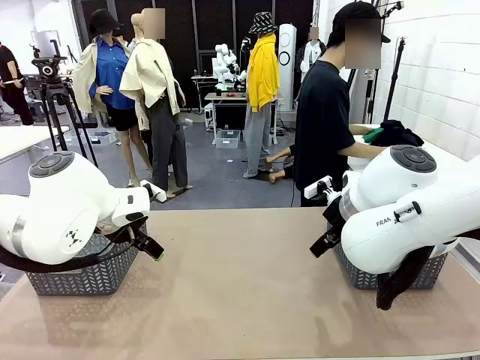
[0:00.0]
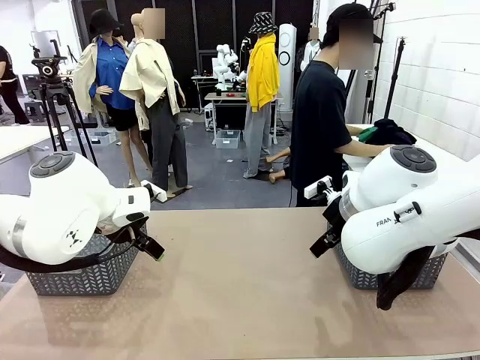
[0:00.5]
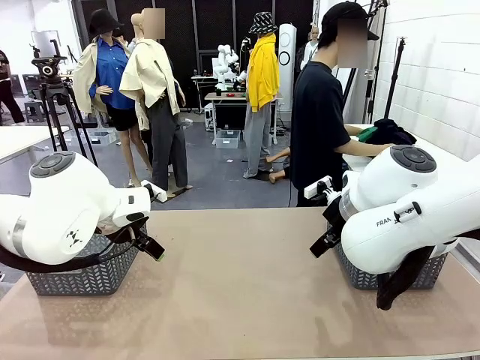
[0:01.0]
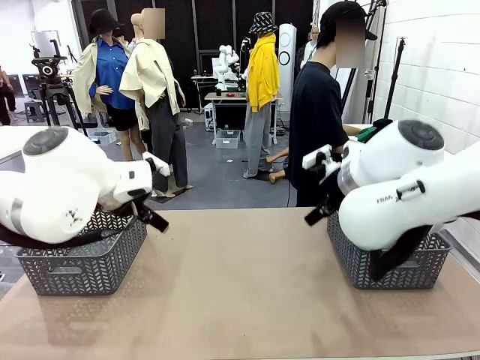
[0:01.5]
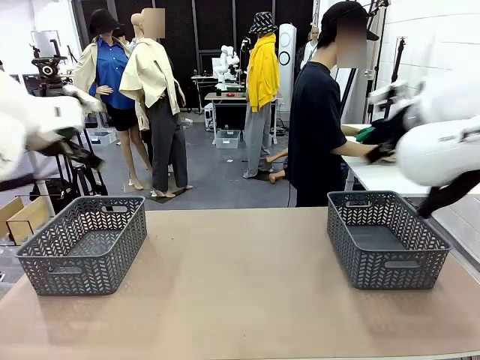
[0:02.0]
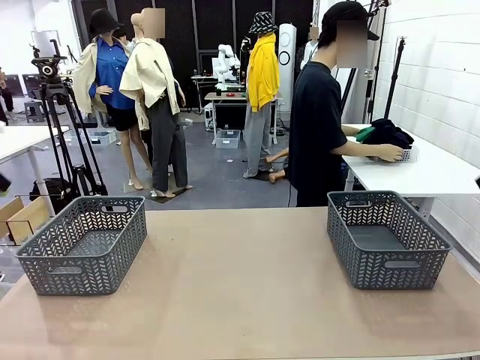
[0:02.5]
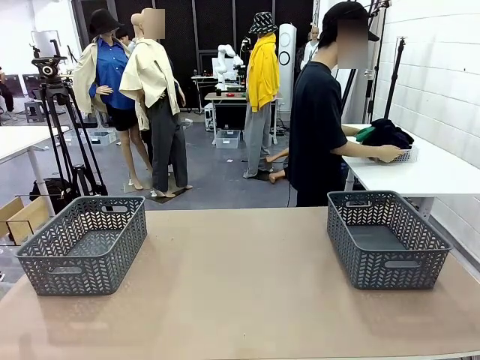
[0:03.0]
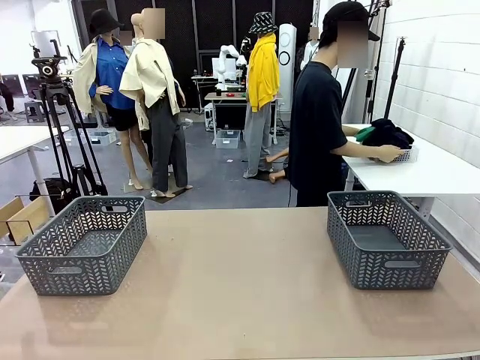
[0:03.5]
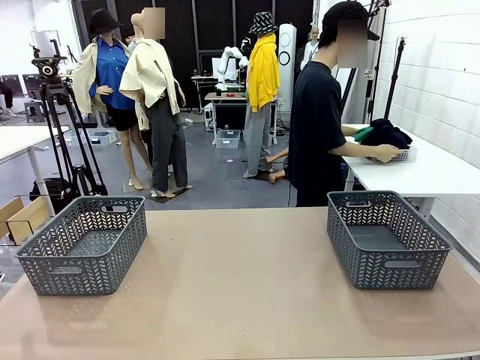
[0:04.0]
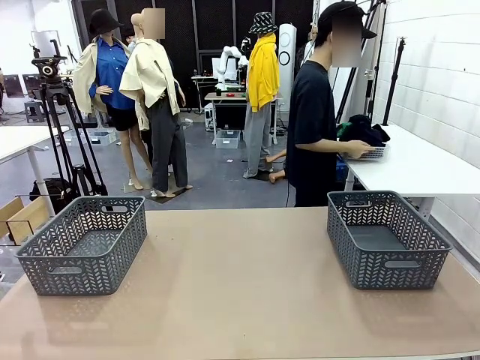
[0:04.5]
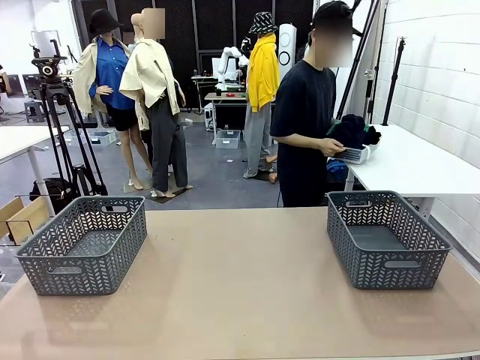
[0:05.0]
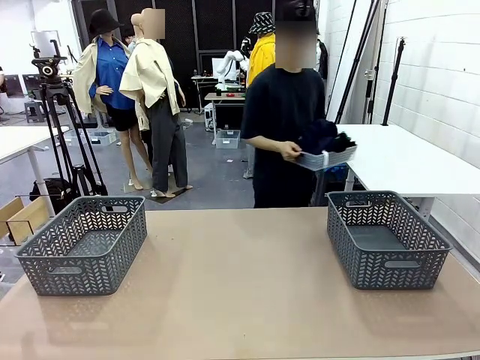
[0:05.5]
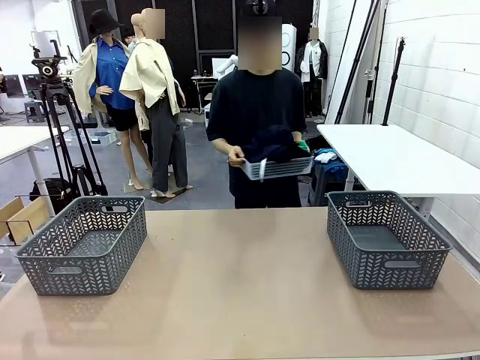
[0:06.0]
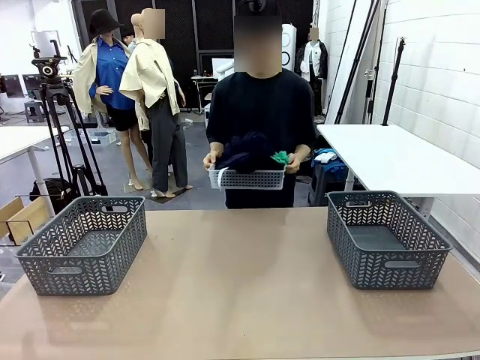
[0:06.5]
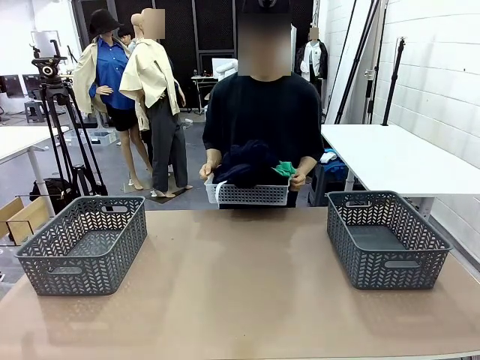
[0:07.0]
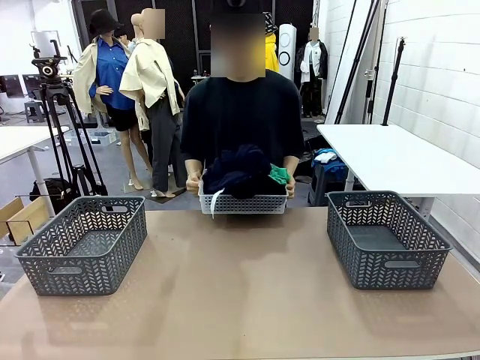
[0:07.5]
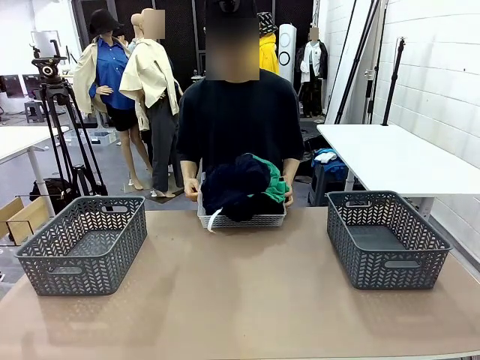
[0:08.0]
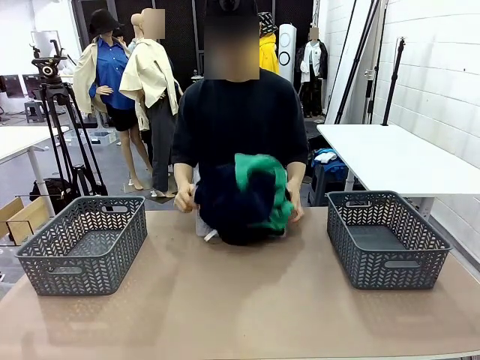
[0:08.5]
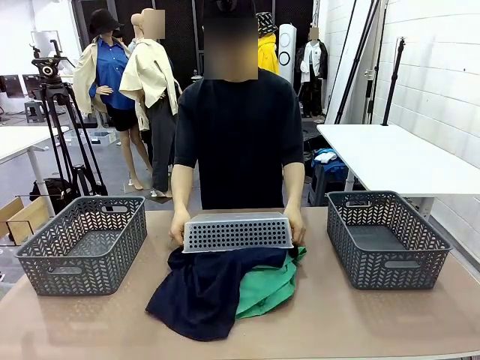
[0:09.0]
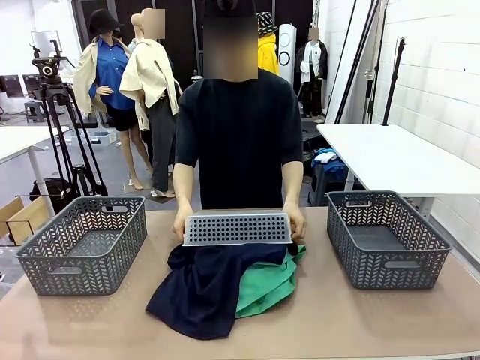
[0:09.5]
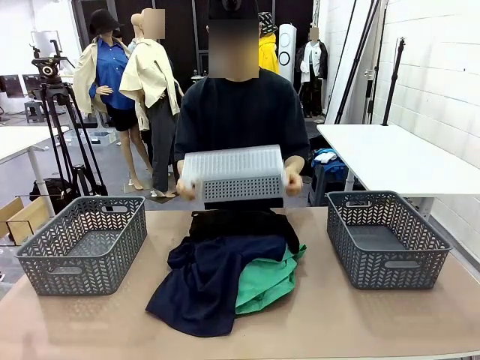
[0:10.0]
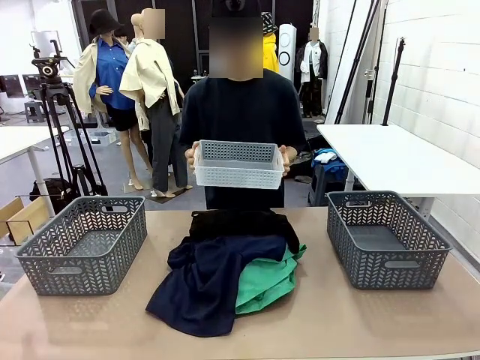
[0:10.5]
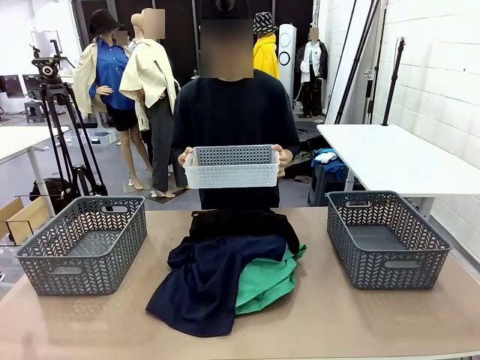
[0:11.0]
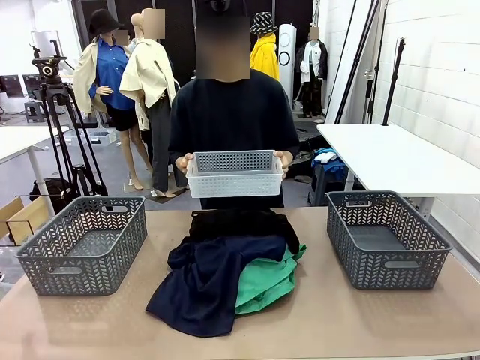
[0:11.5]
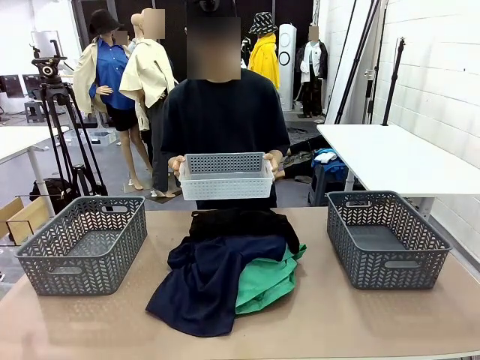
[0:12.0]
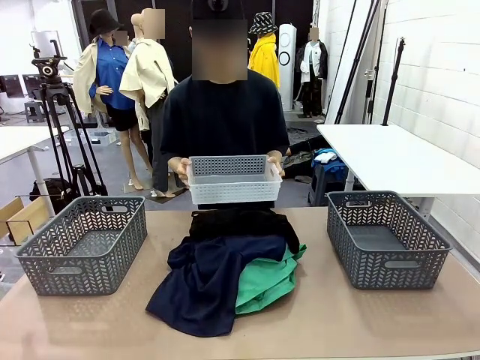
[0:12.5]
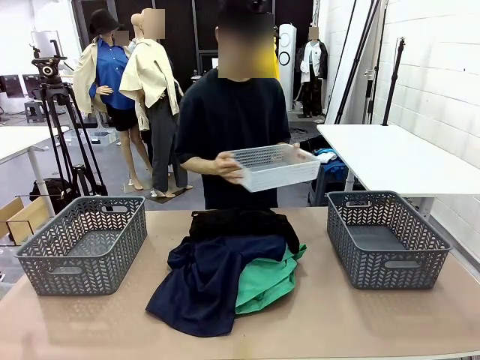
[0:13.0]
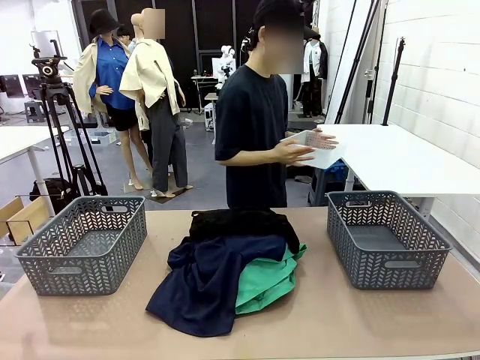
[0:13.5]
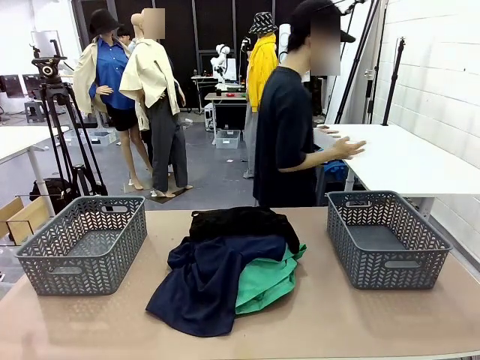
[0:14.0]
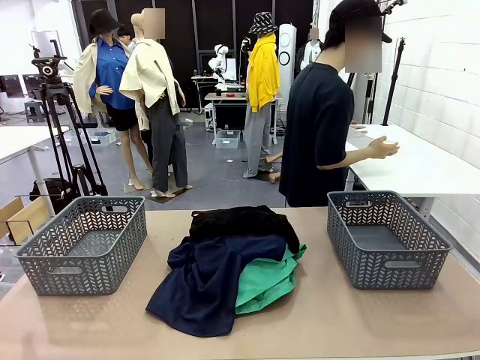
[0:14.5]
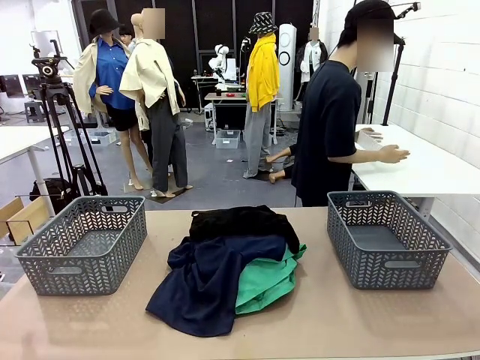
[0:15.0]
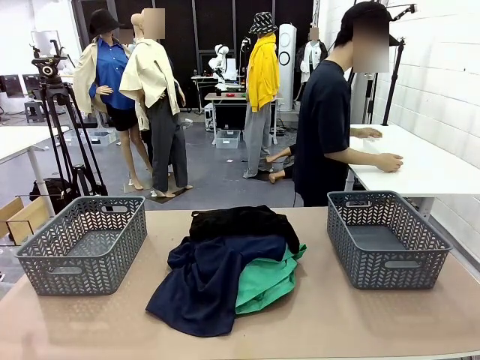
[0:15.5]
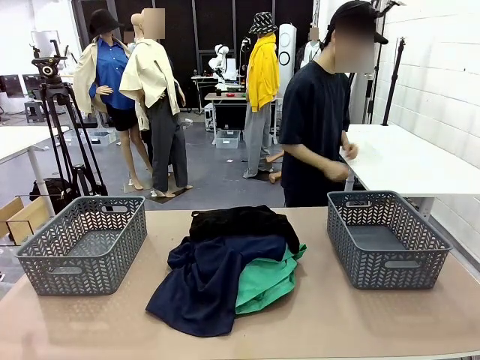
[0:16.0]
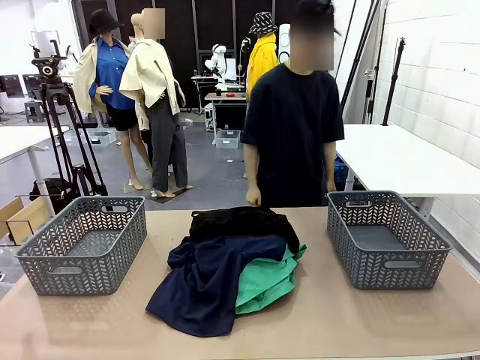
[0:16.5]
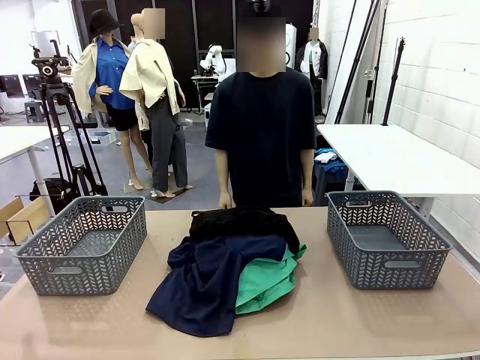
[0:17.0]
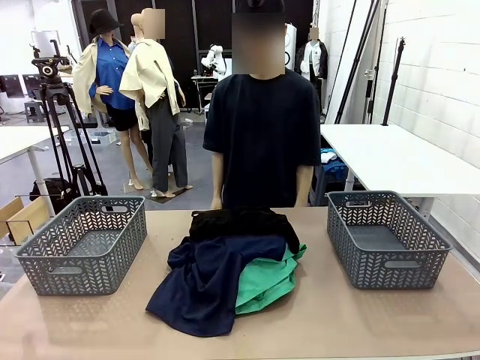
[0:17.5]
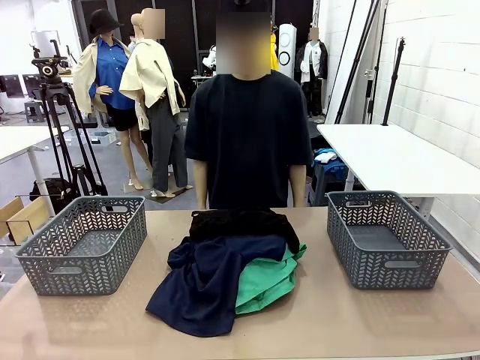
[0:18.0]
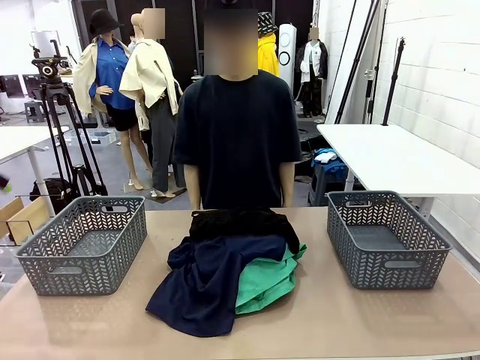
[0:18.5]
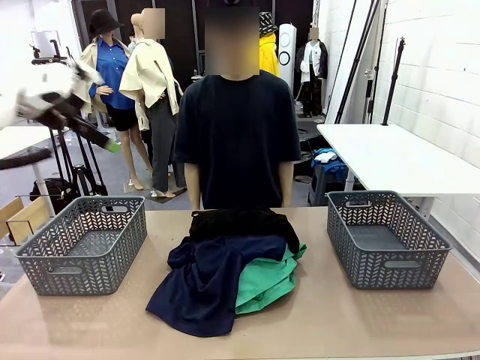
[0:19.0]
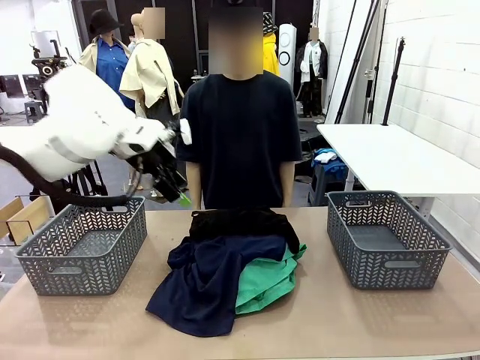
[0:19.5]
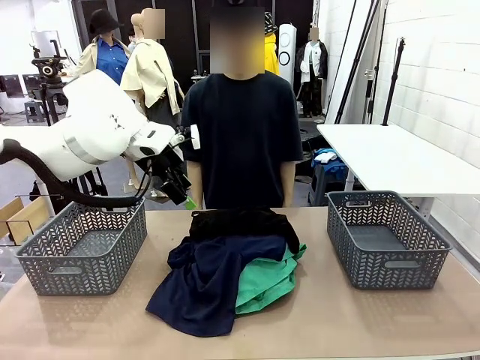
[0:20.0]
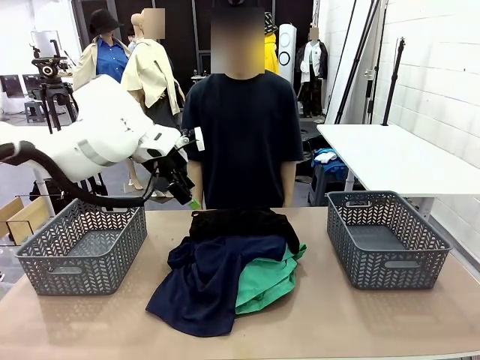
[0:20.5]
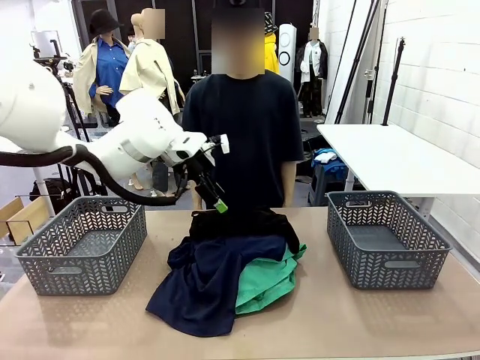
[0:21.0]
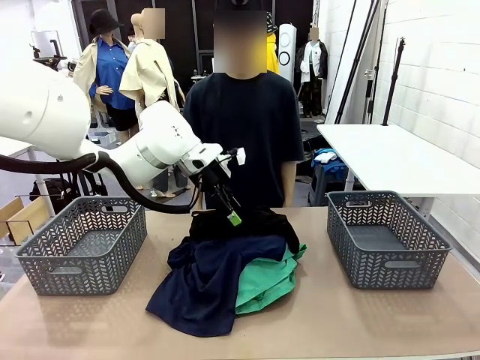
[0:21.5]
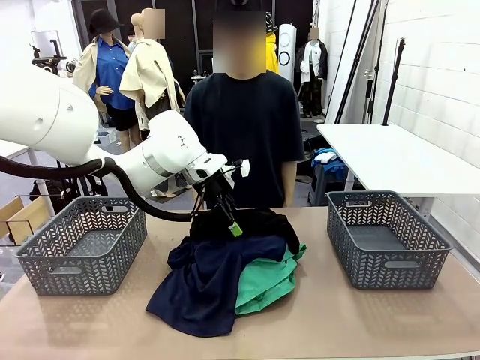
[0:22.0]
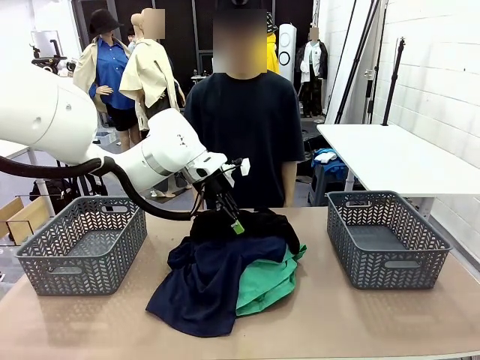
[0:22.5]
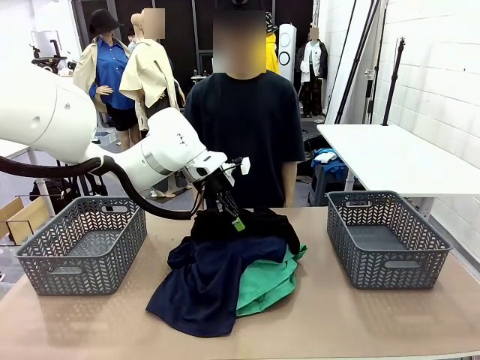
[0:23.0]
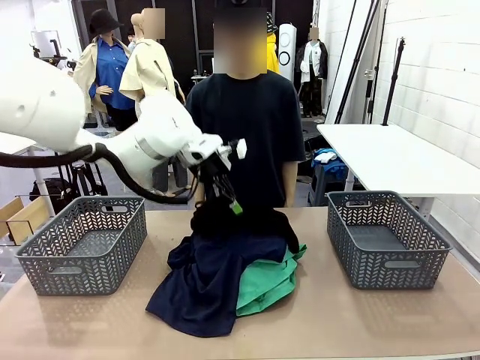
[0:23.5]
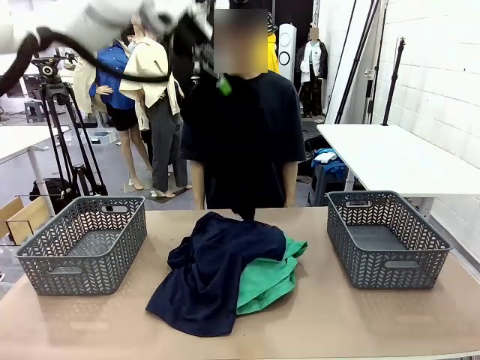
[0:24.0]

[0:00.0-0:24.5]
Task: Sort the tops and bottoms.
Robot: Lift clothes from the center of the table with your left hand.
Person: Pour the clothes from the basket onto the center of the robot table.
